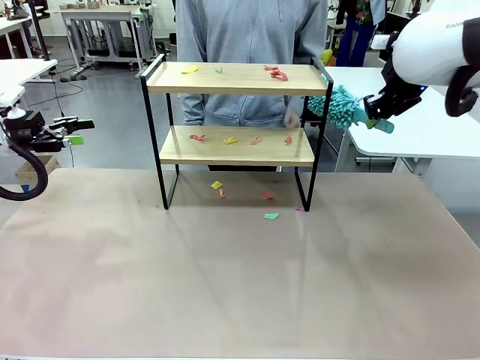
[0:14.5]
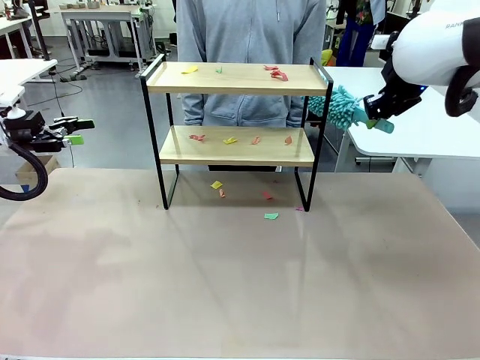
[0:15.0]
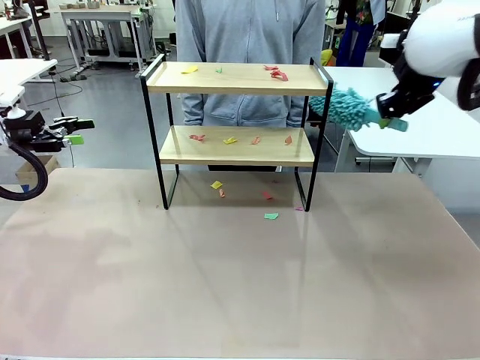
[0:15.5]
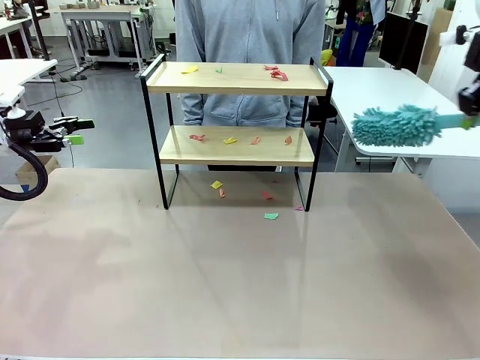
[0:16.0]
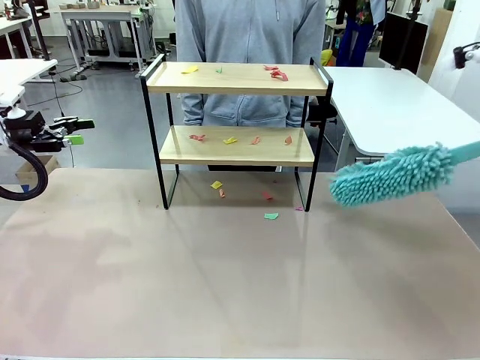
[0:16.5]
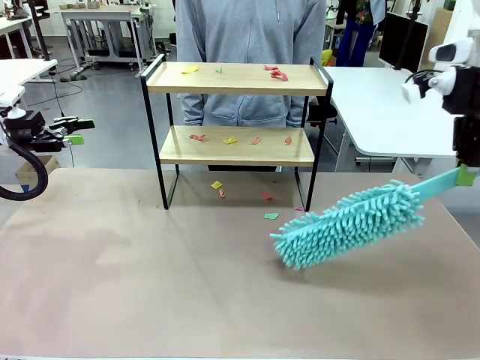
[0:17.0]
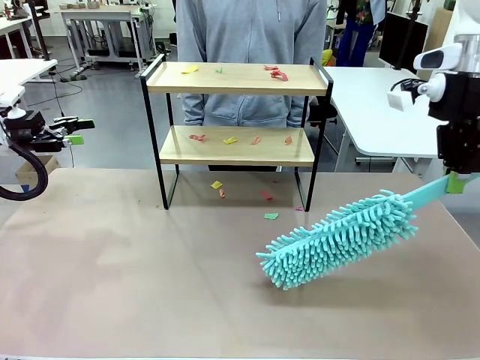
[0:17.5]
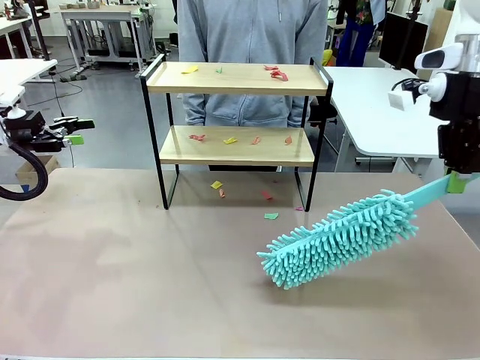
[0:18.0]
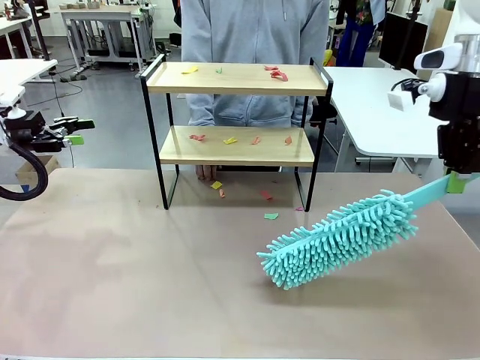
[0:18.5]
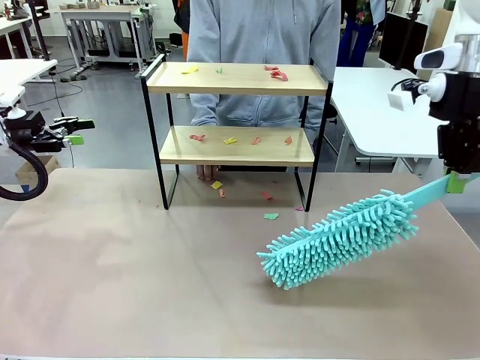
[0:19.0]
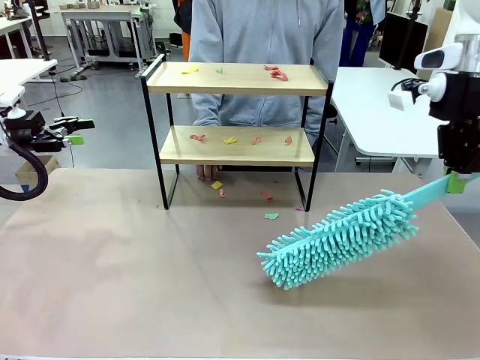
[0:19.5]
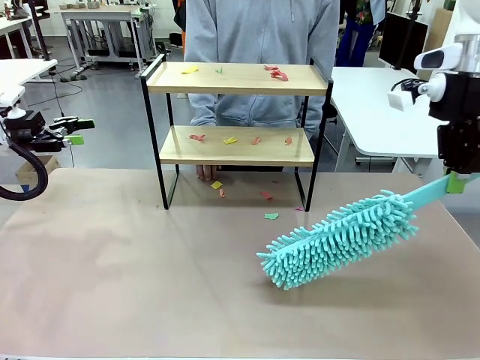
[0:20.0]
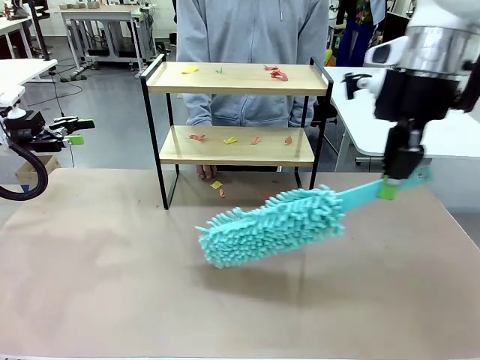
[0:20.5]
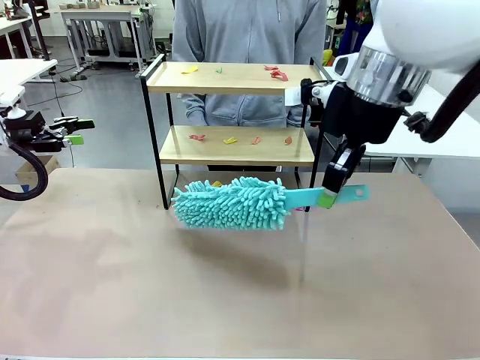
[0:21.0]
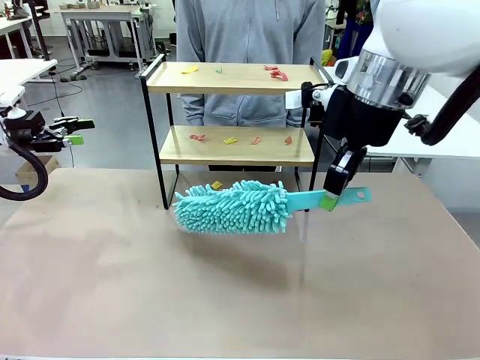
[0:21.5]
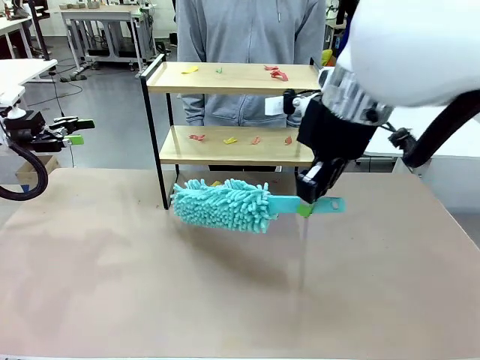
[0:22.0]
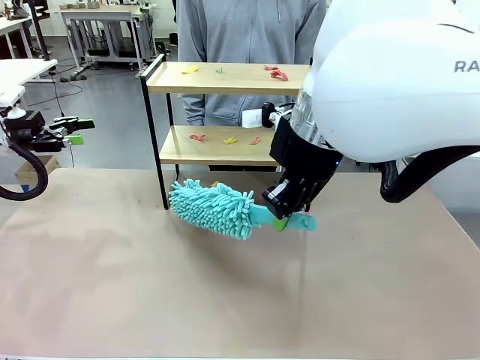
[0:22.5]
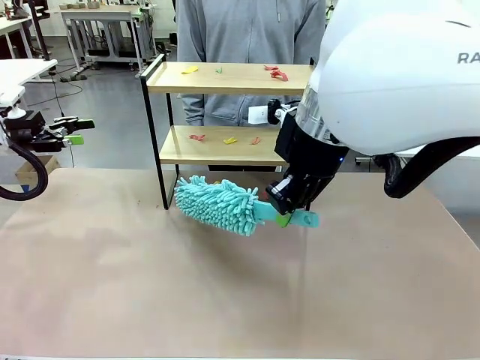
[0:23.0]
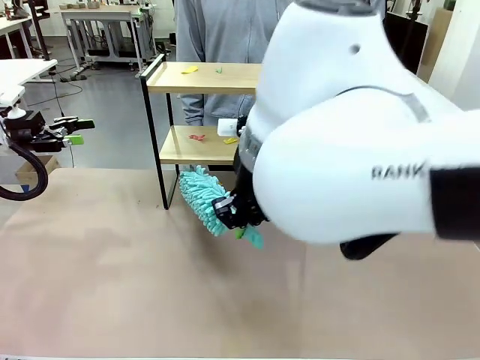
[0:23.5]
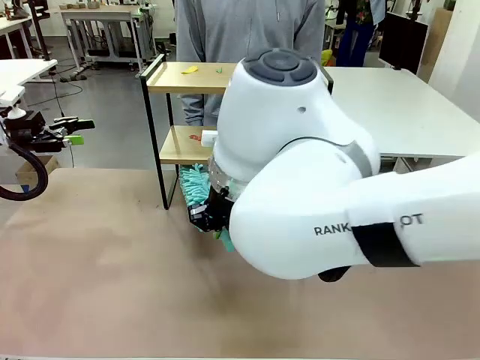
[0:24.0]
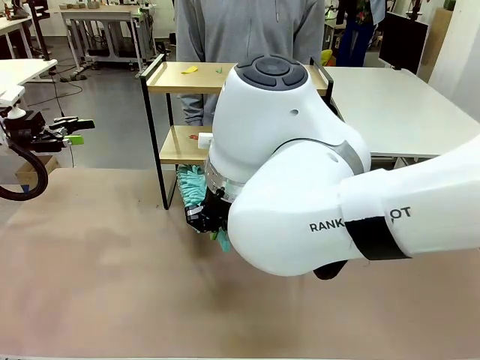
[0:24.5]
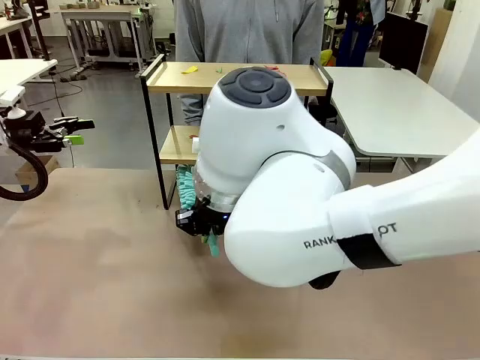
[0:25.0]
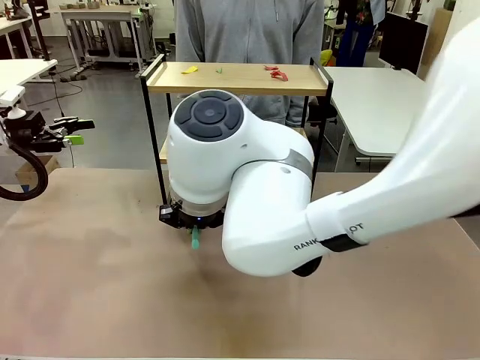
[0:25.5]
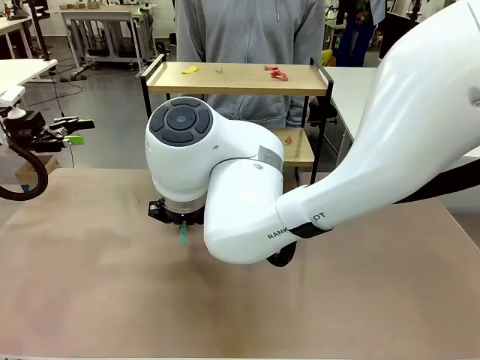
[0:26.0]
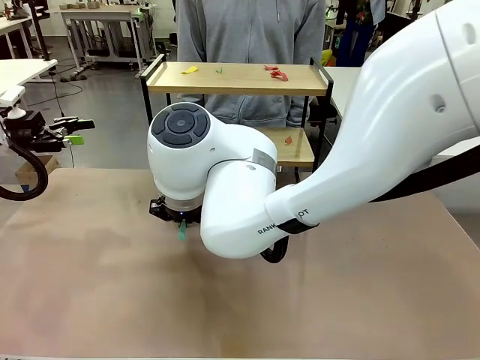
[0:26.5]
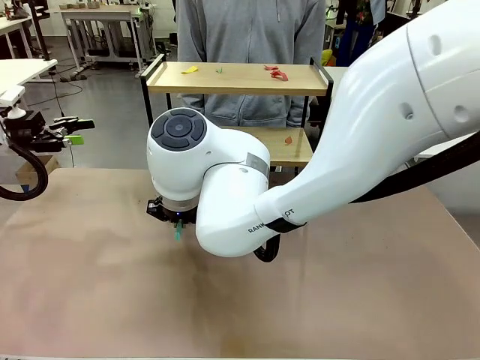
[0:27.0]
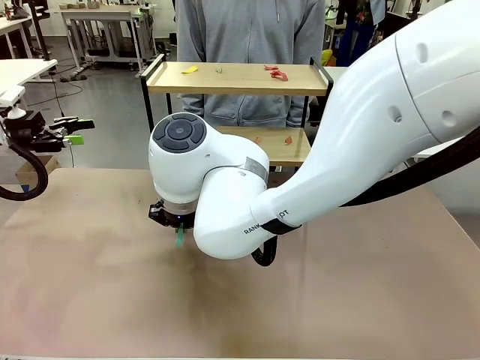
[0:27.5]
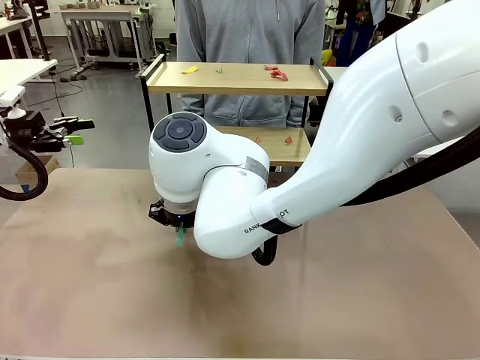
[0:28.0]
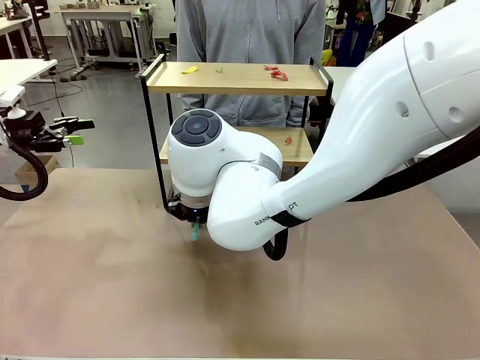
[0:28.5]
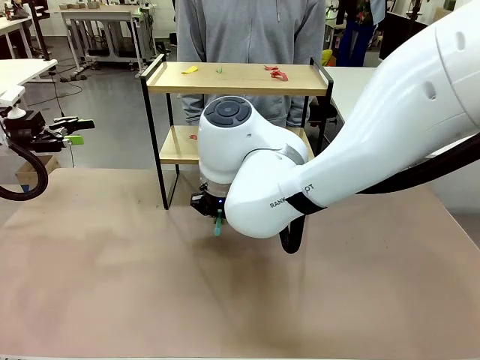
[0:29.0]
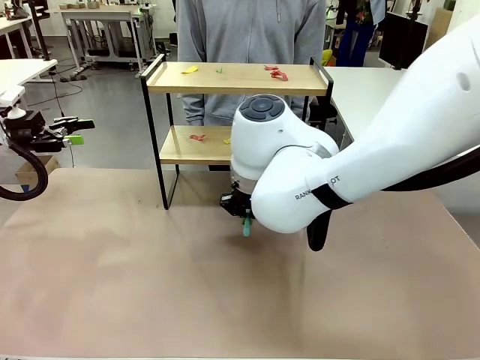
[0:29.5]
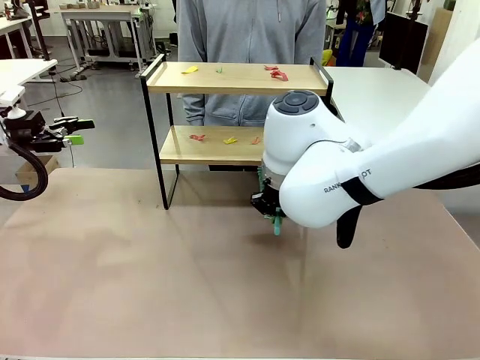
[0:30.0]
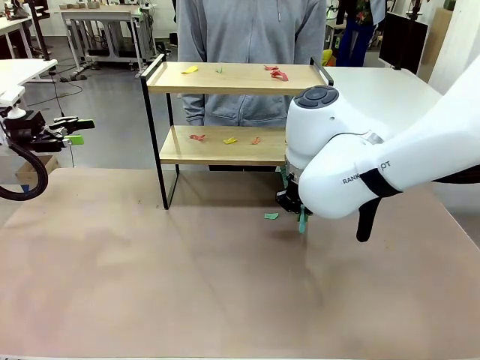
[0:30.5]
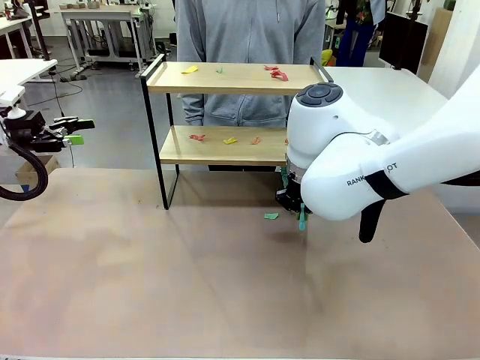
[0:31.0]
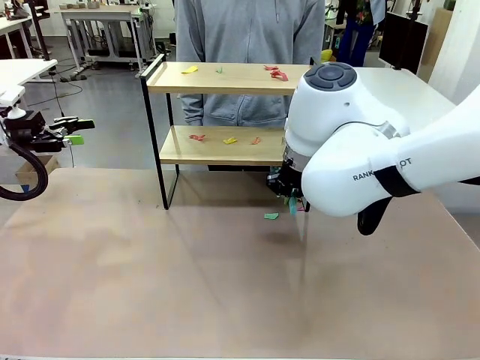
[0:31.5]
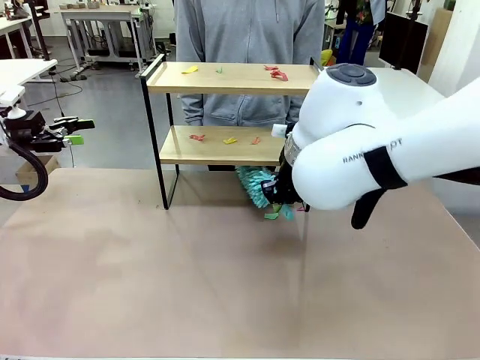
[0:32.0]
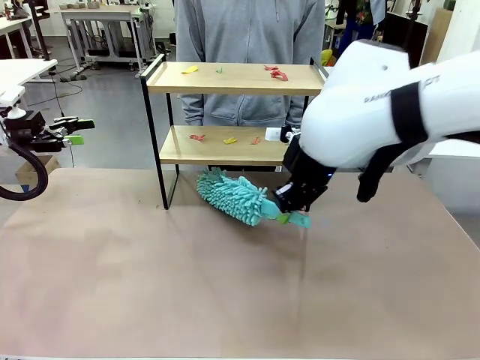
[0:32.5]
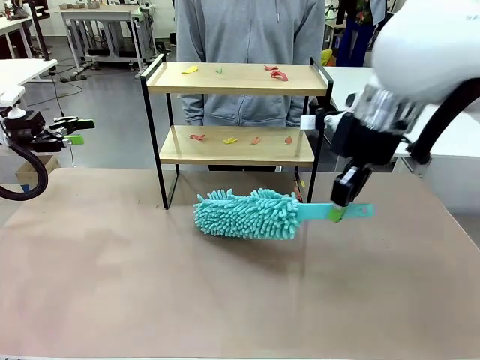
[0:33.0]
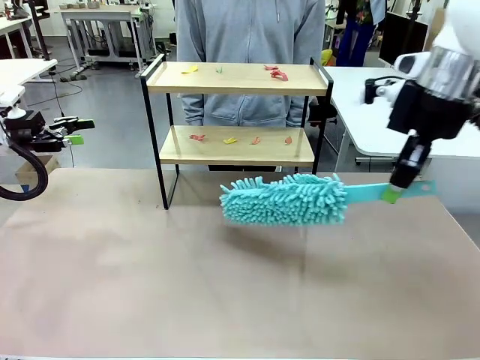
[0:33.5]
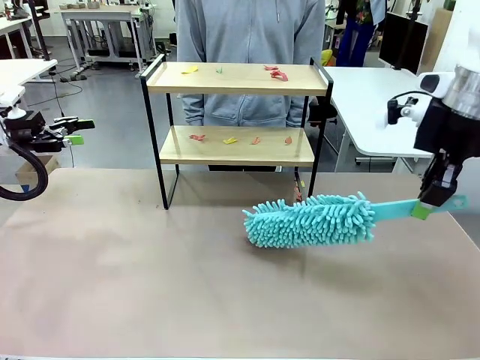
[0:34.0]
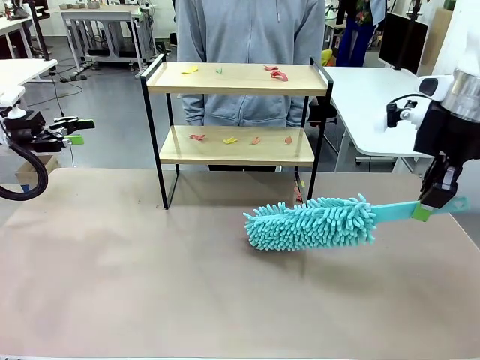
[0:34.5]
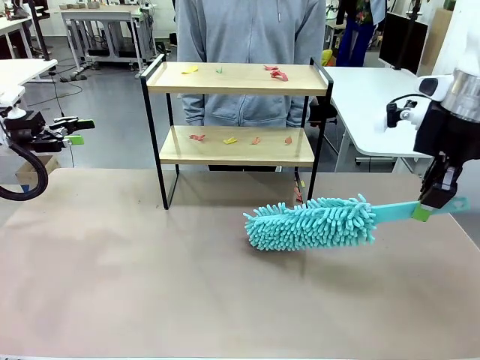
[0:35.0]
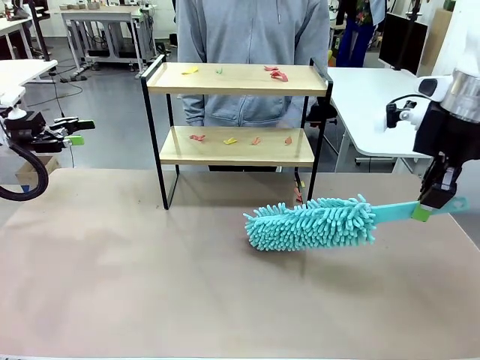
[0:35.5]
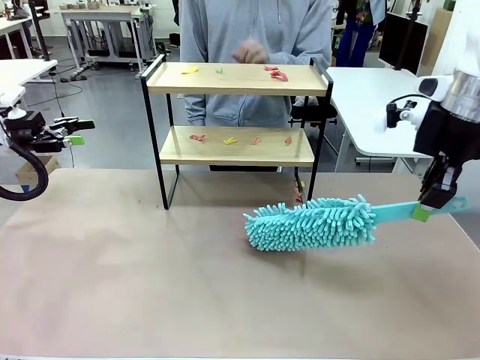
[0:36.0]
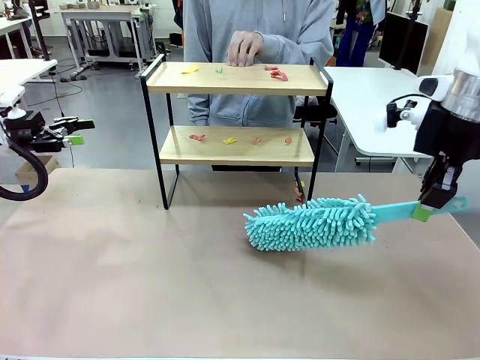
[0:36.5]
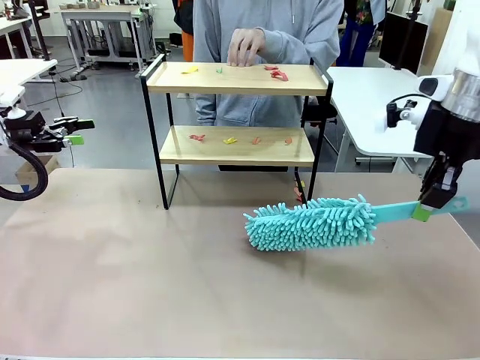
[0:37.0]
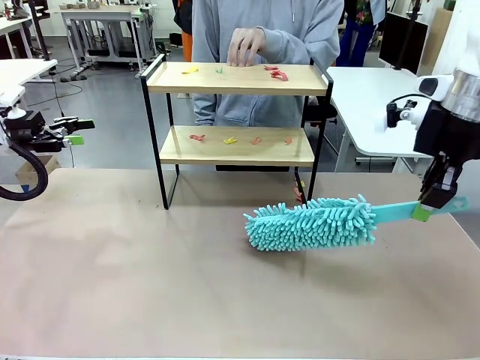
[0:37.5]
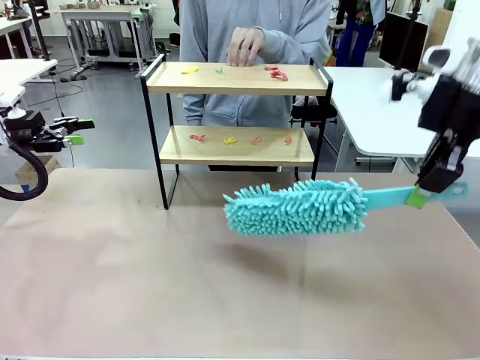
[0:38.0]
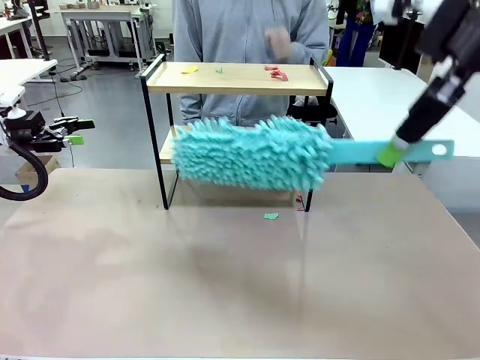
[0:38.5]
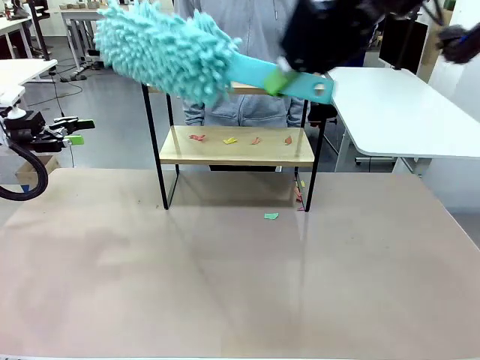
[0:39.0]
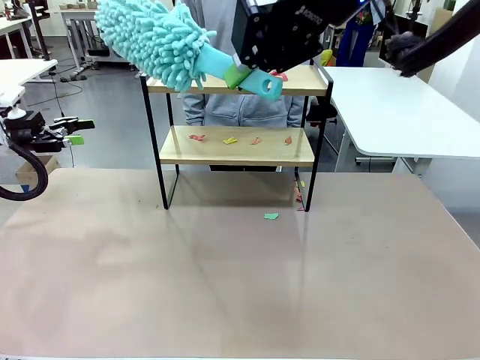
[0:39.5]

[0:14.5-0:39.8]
Task: Clean the shelf.
Robot: Clean the specific section of the Shelf indicated by the human with the Duster.
Person: Point a random section of the Shelf.
